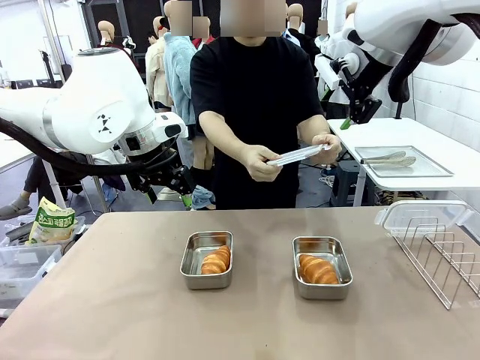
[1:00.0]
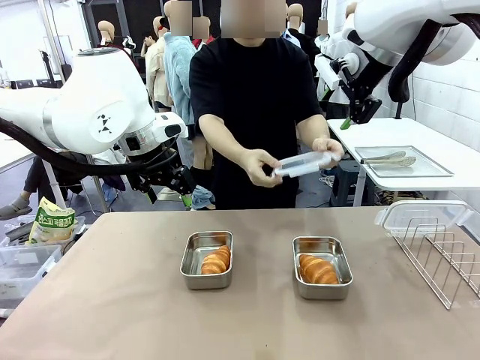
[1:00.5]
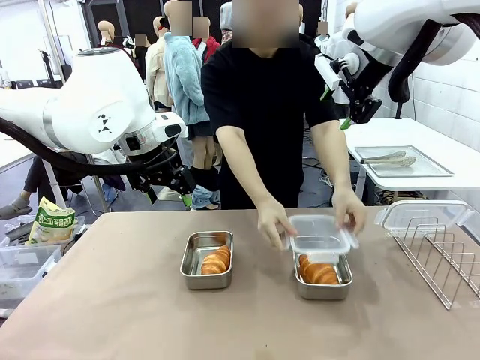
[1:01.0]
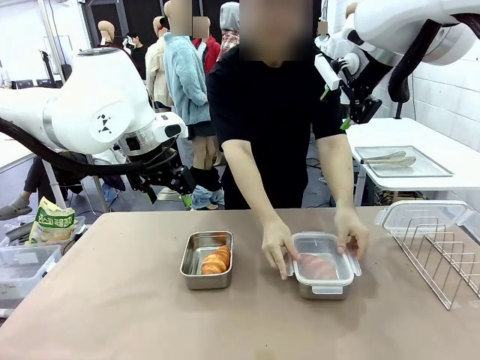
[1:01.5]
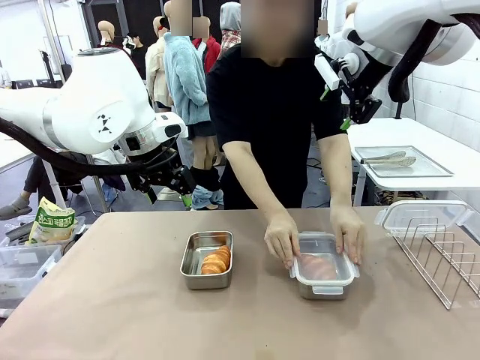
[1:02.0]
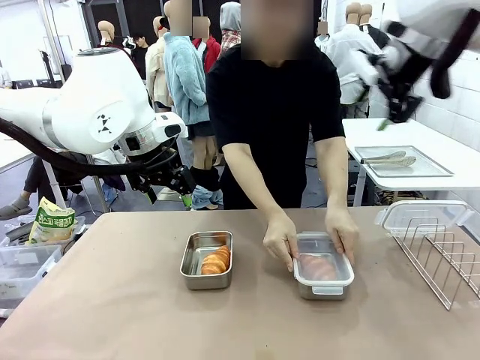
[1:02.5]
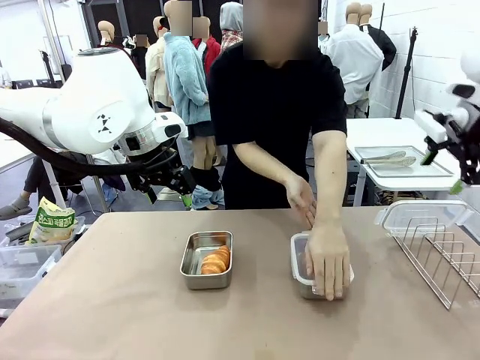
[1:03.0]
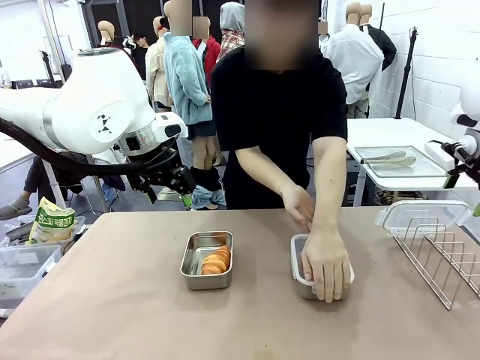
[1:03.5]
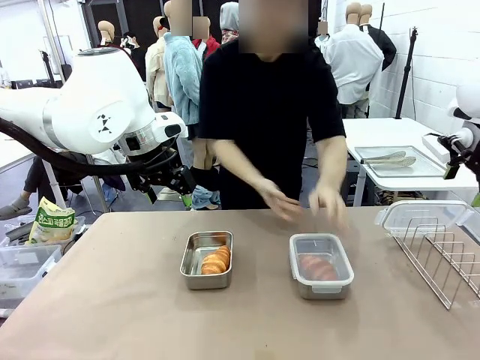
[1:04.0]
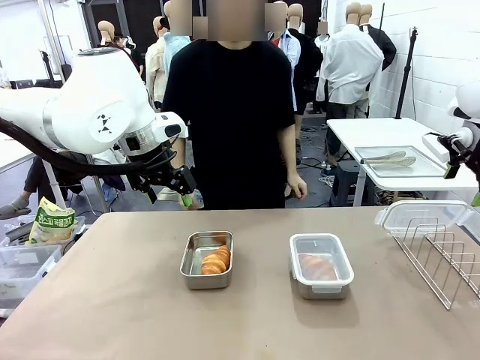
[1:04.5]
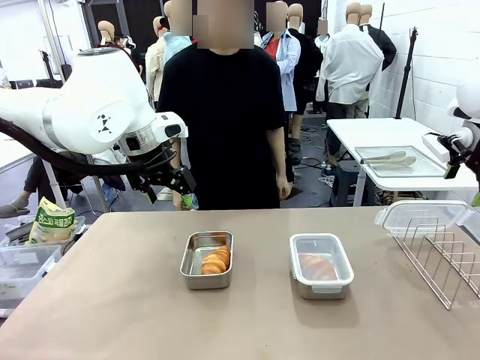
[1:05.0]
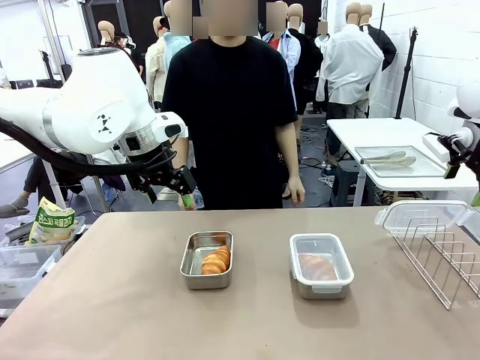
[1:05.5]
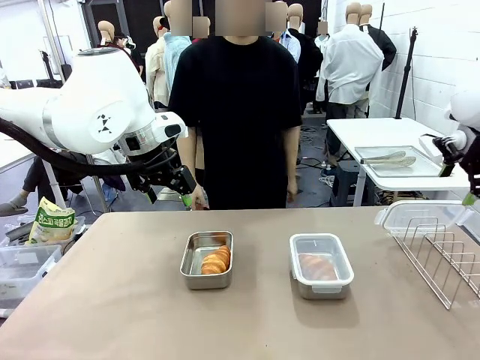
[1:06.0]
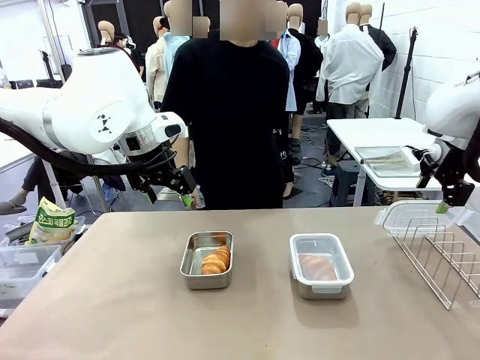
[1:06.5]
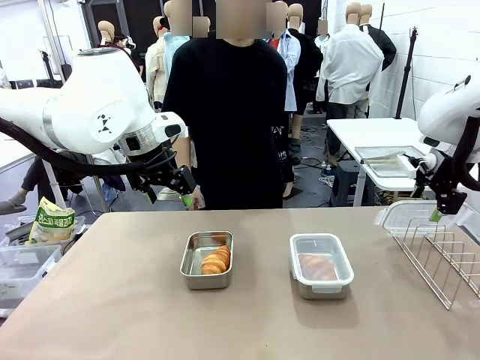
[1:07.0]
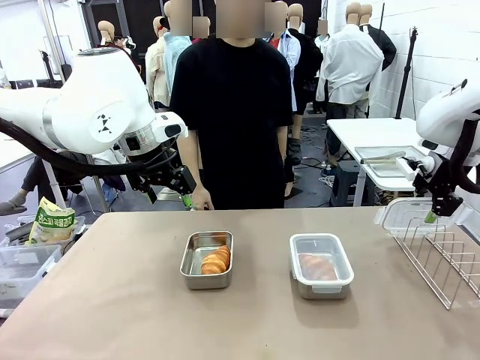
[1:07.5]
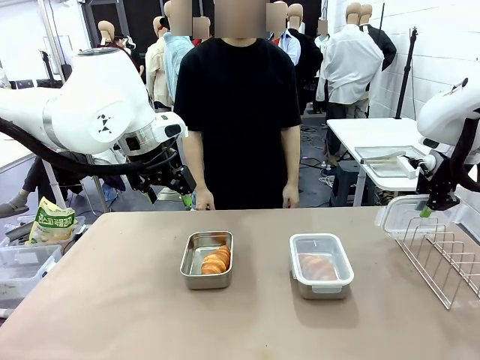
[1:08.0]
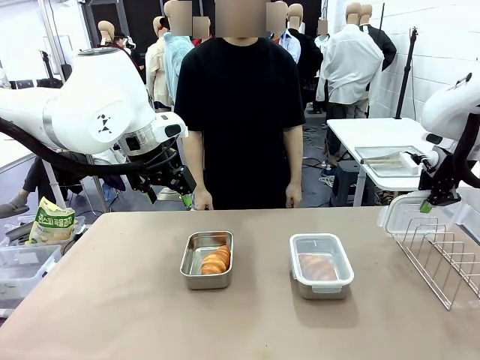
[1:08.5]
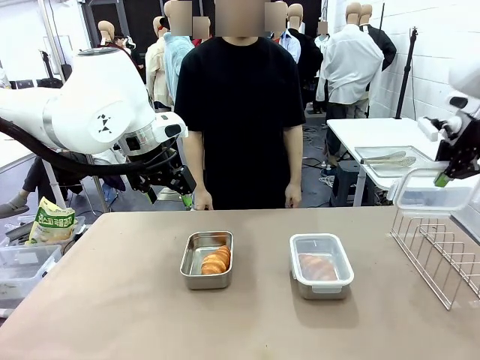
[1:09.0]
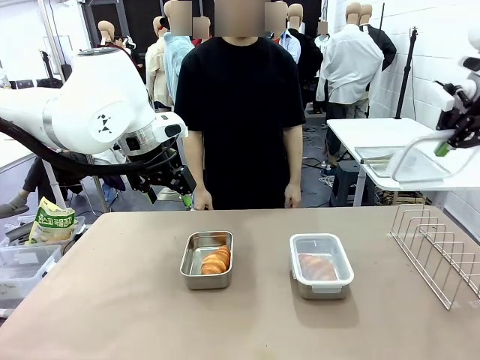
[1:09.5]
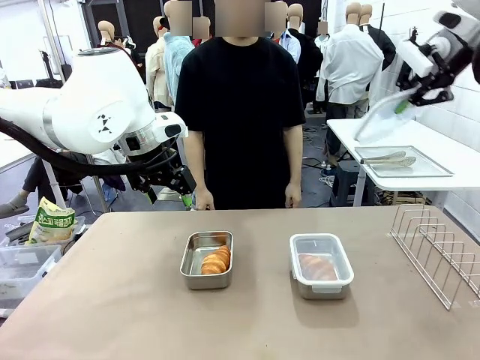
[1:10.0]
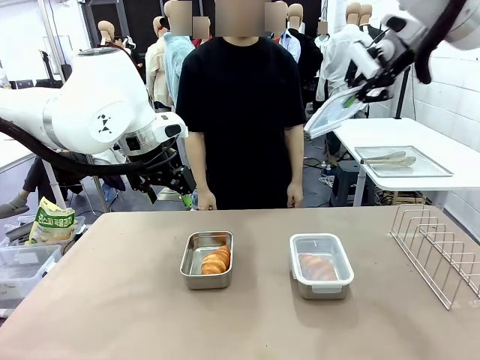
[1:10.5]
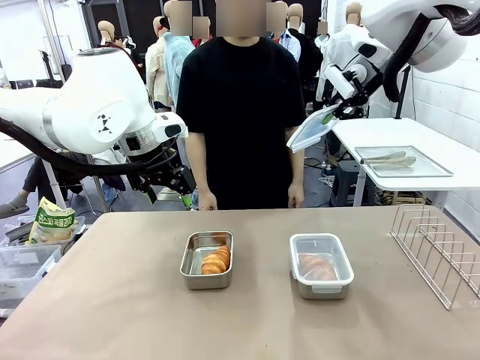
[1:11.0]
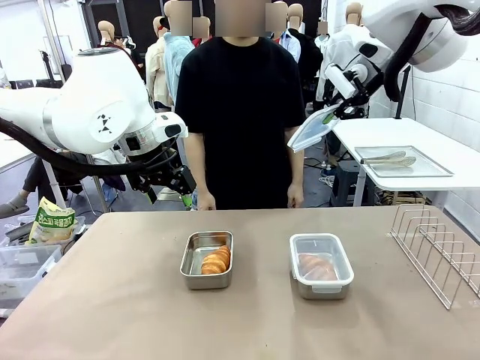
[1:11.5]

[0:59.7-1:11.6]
Task: Place the bread in airtight containers.
Robot: Pick up one Airtight Container lid and hand it to the human.
Person: Close Airtight Container with a handed Airtight Container lid. Grip Airtight Container lid that robot is handing.

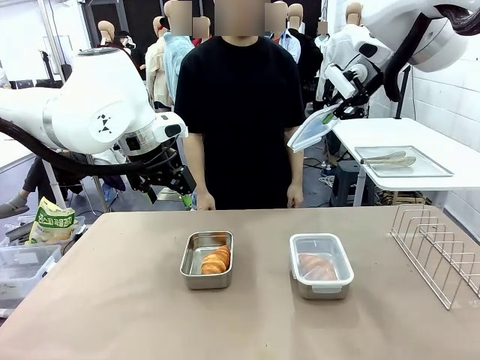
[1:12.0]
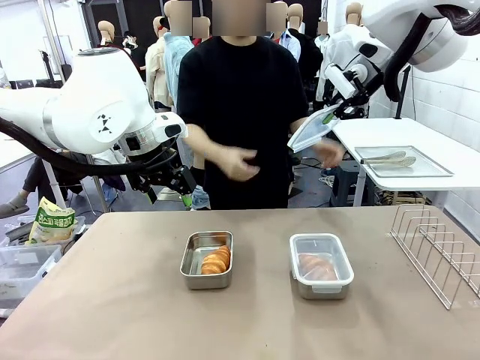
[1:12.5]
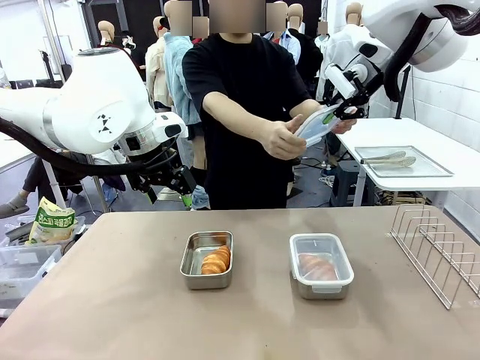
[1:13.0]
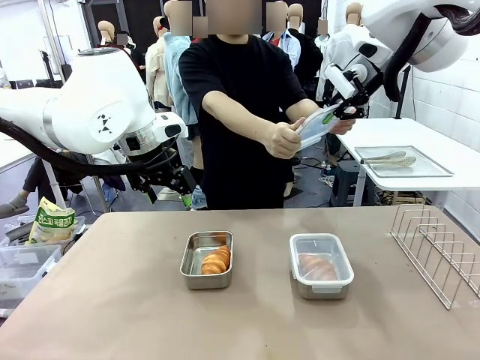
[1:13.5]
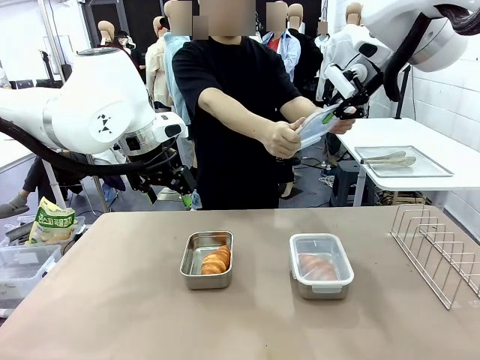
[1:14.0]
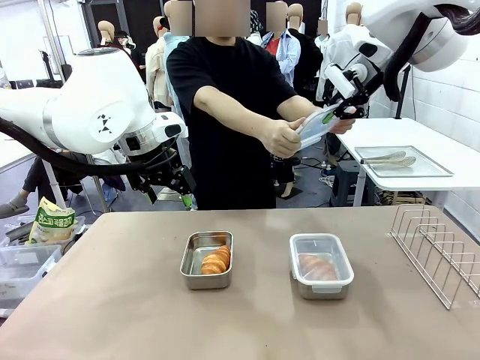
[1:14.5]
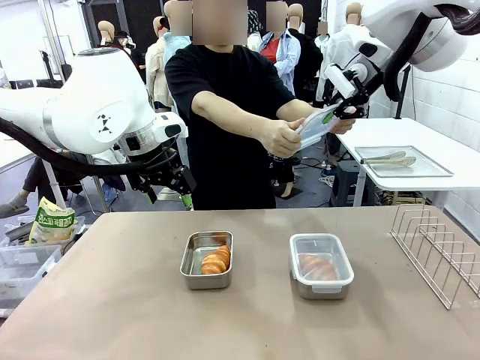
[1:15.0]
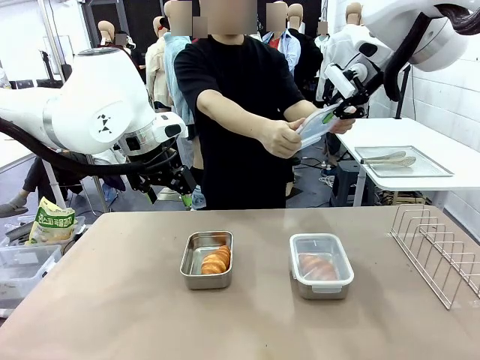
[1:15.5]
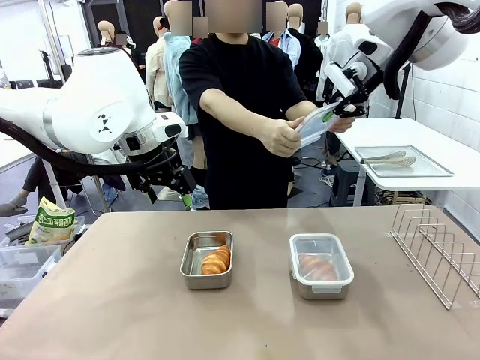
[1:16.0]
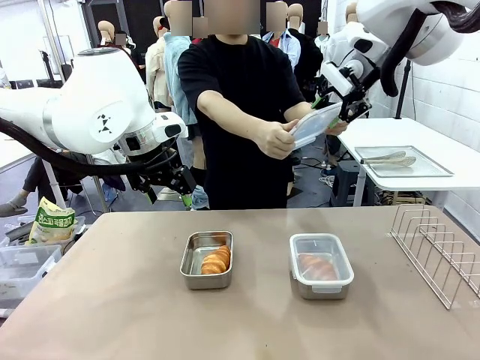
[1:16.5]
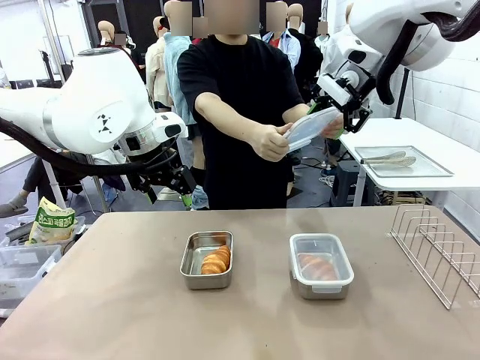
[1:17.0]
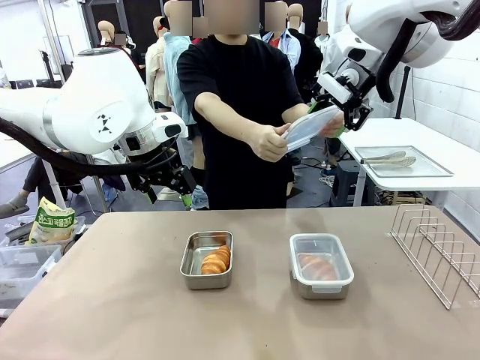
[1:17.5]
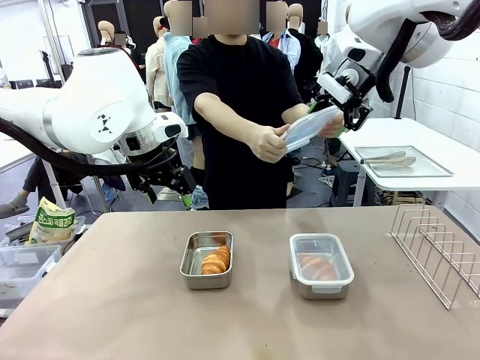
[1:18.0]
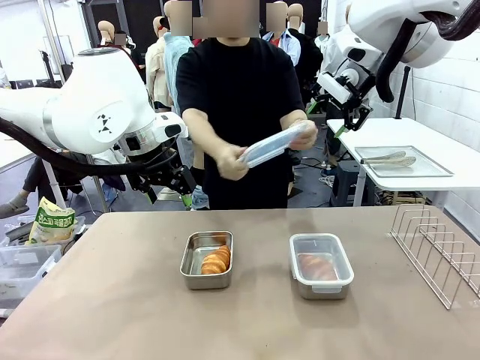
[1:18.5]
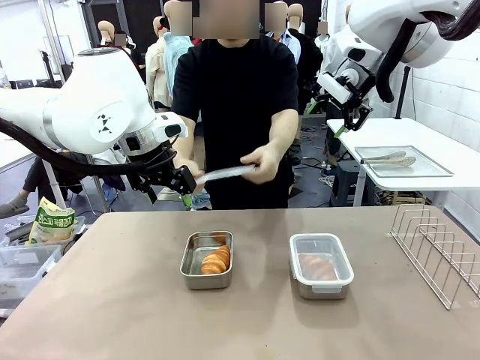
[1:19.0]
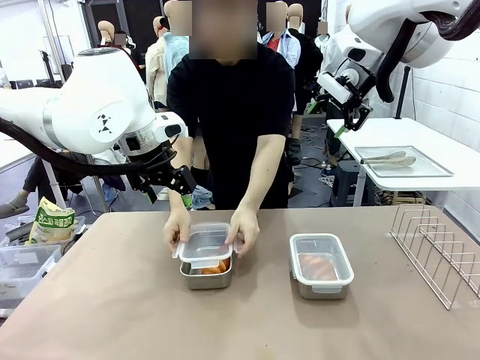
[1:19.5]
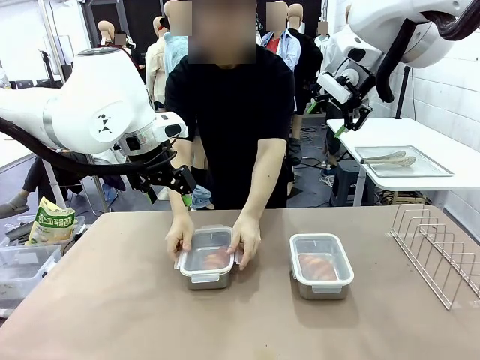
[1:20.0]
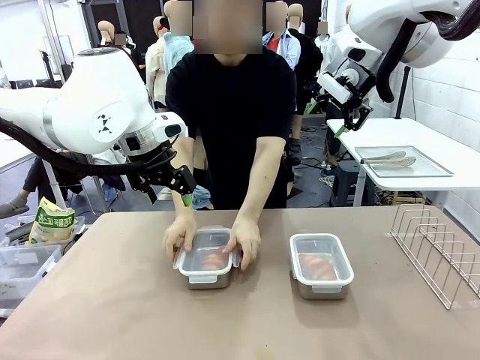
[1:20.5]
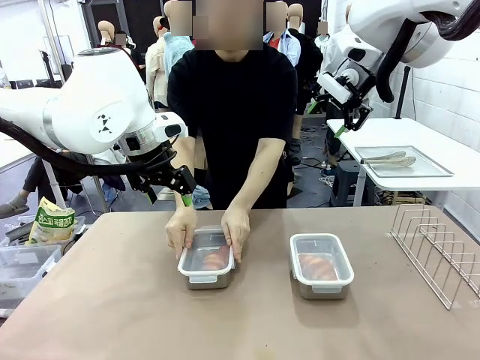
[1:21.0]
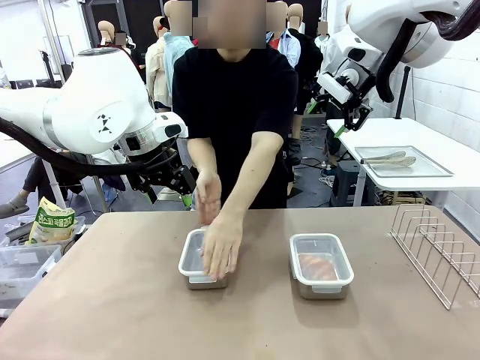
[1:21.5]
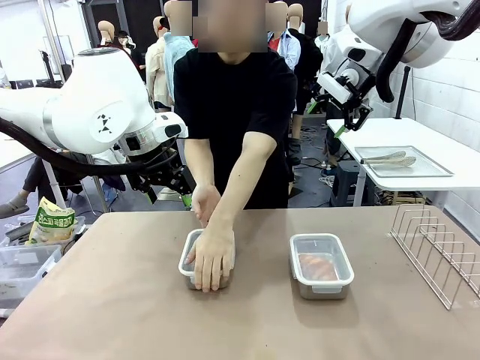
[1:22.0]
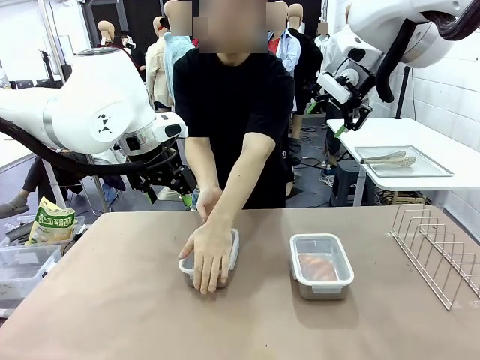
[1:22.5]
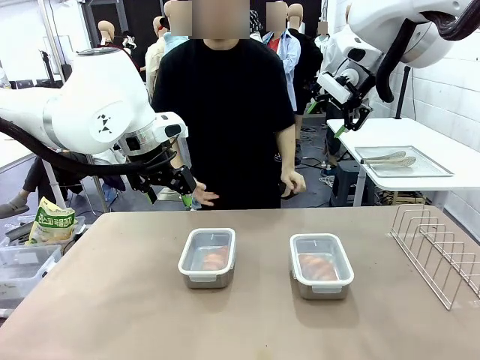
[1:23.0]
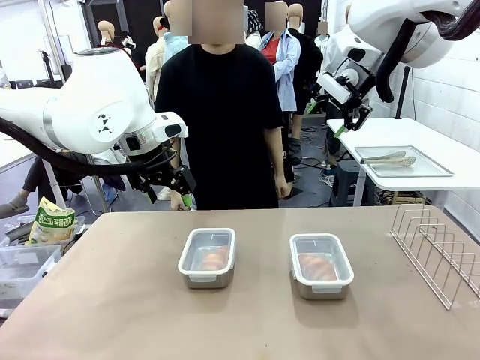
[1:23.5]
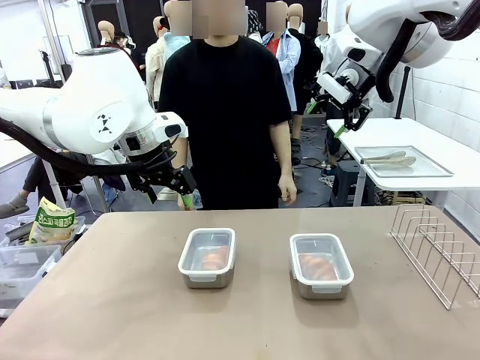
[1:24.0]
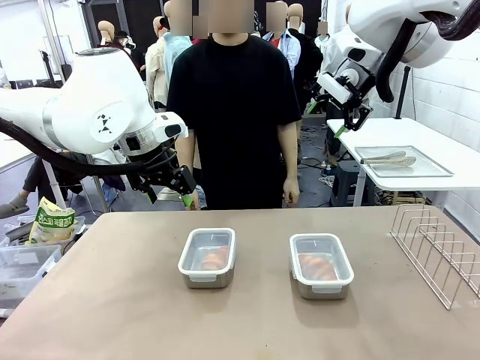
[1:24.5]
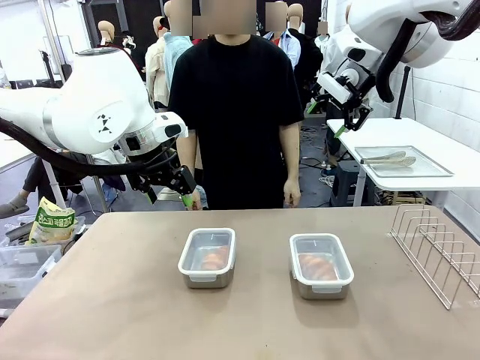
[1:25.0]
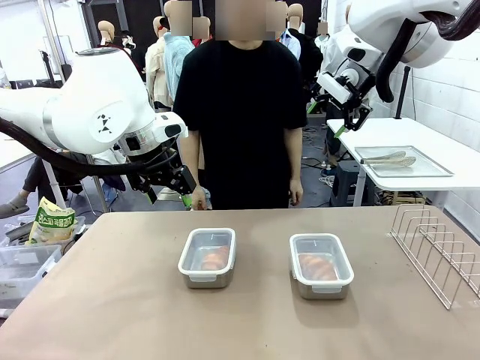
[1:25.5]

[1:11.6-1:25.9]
Robot: Release when the human grabs the Airtight Container lid.
Person: Close Airtight Container with a handed Airtight Container lid.
